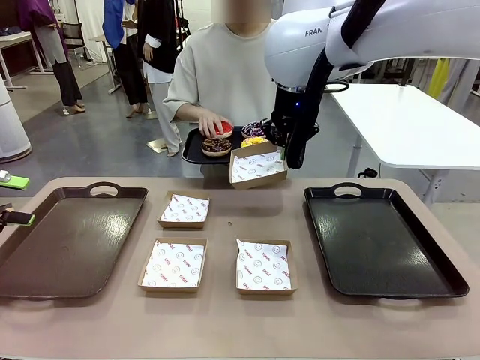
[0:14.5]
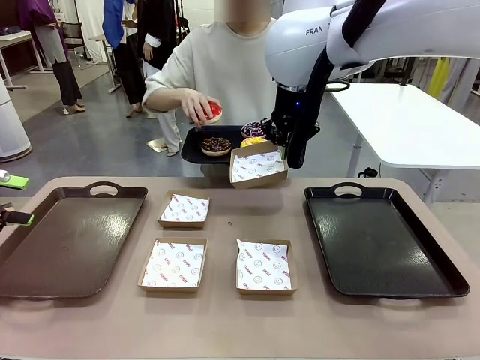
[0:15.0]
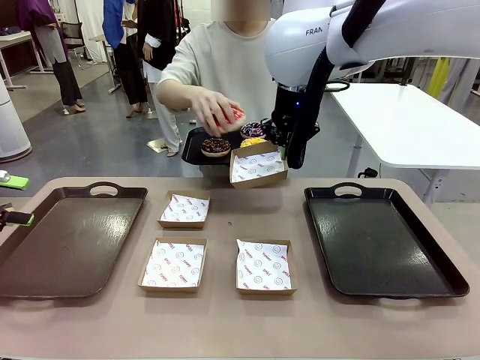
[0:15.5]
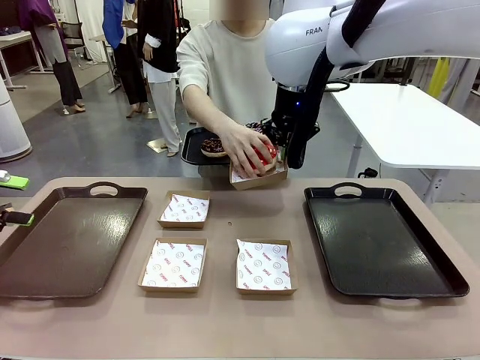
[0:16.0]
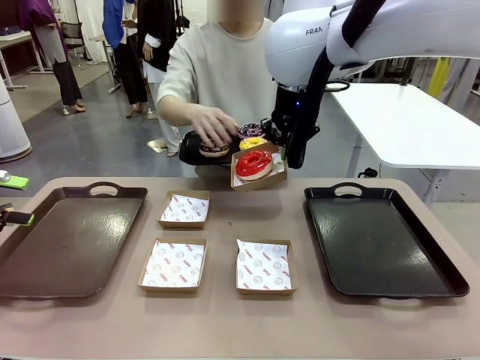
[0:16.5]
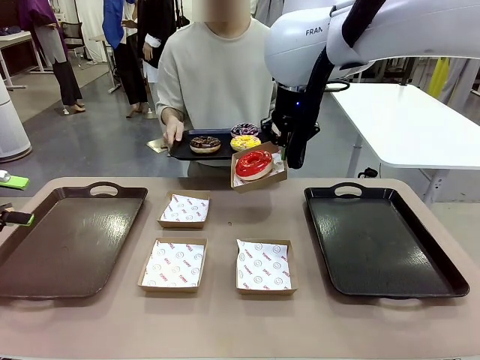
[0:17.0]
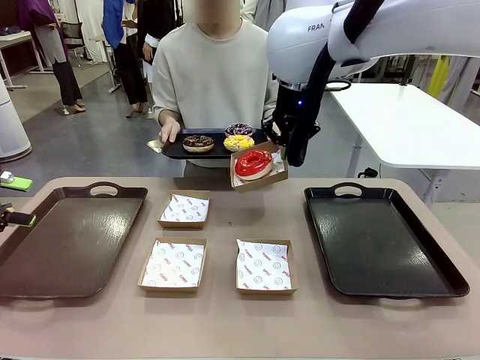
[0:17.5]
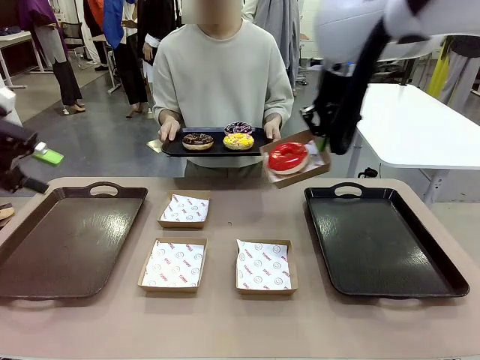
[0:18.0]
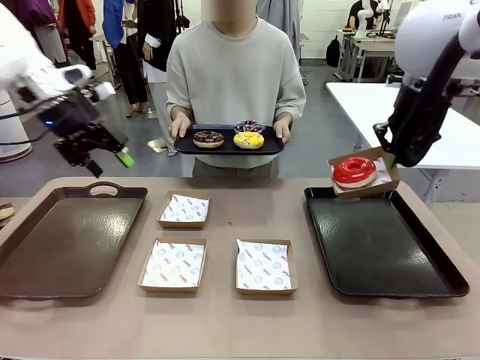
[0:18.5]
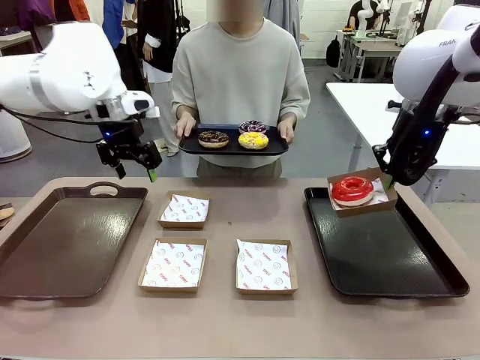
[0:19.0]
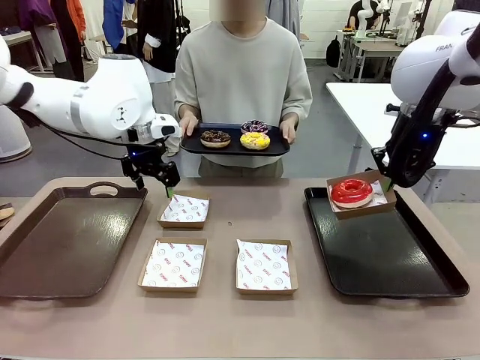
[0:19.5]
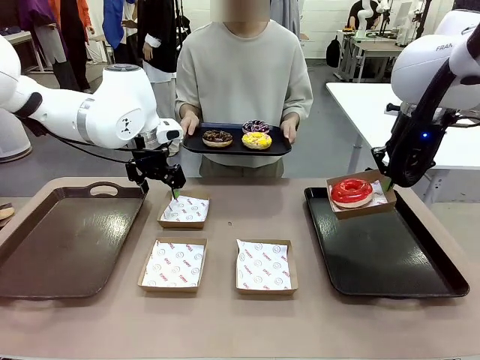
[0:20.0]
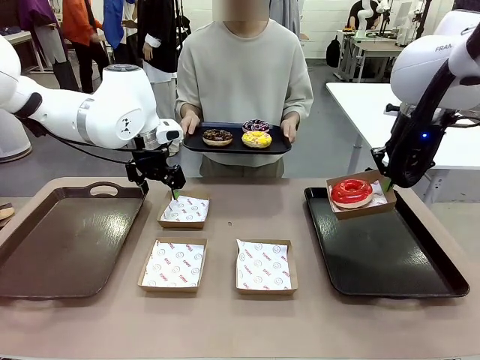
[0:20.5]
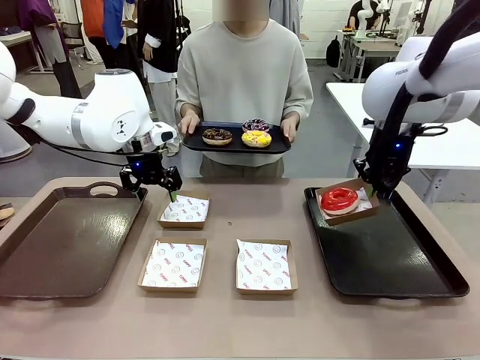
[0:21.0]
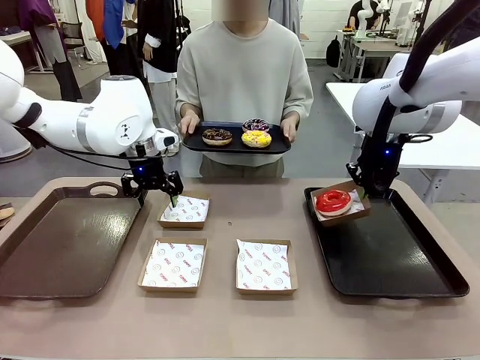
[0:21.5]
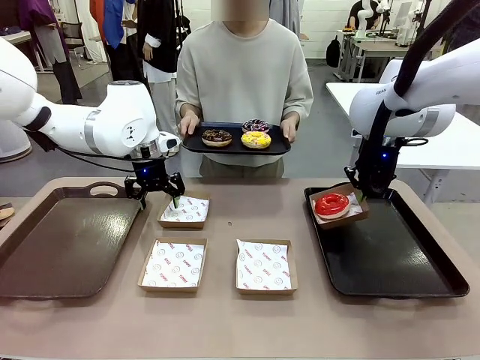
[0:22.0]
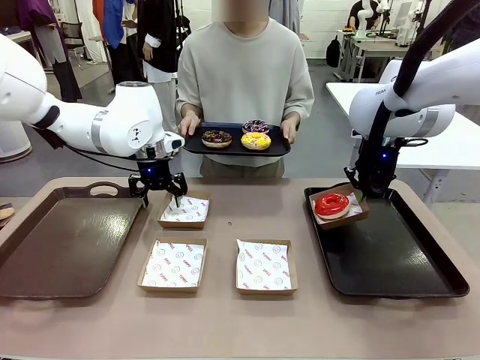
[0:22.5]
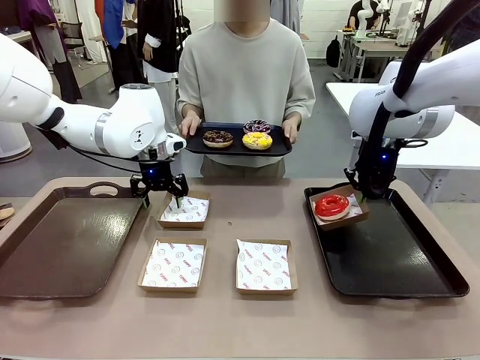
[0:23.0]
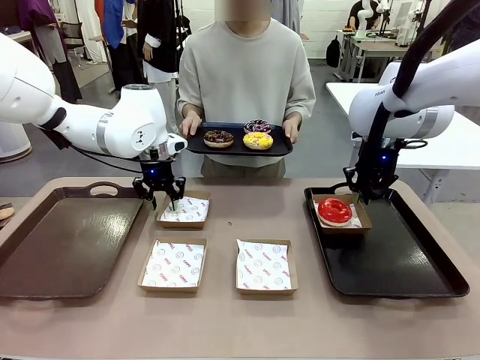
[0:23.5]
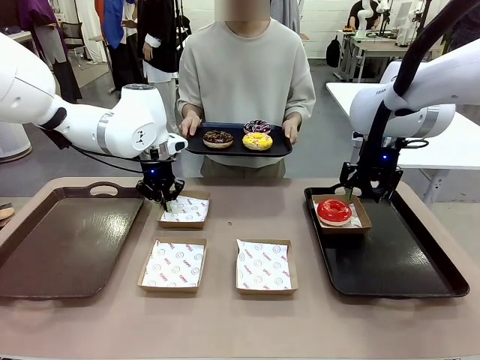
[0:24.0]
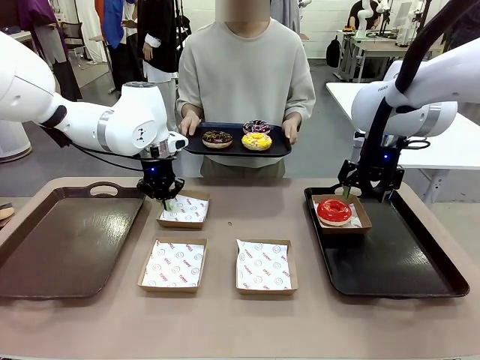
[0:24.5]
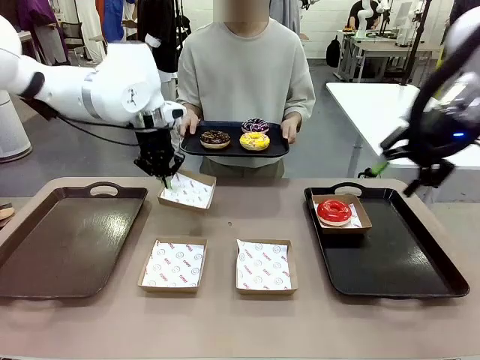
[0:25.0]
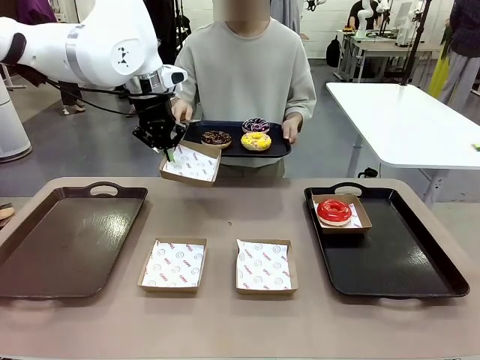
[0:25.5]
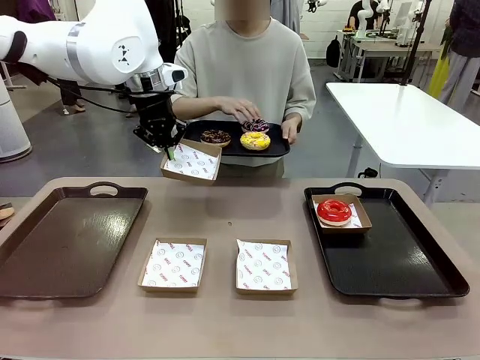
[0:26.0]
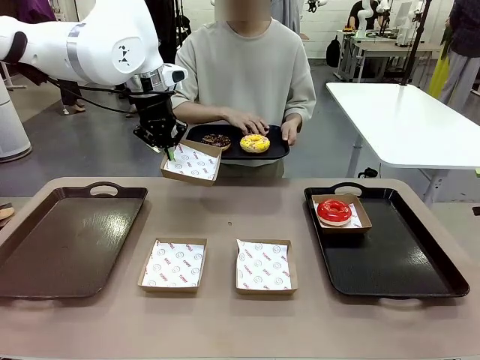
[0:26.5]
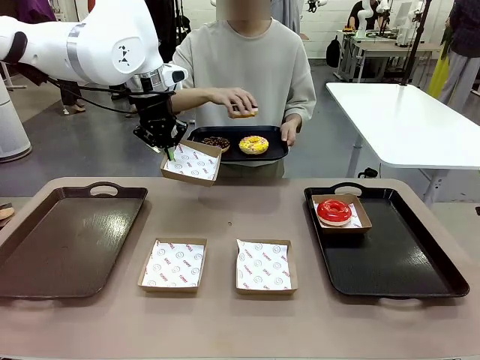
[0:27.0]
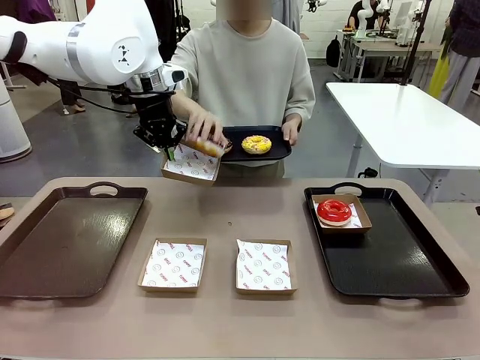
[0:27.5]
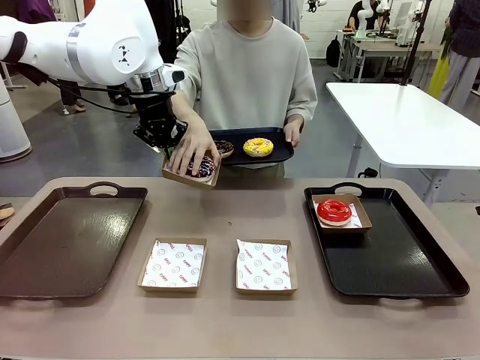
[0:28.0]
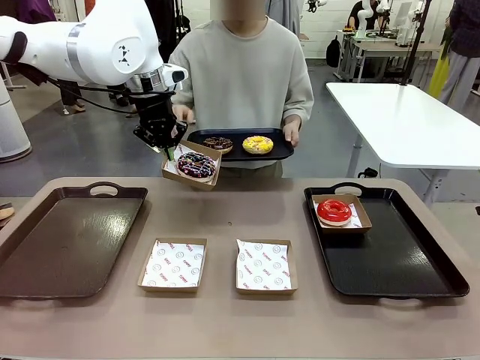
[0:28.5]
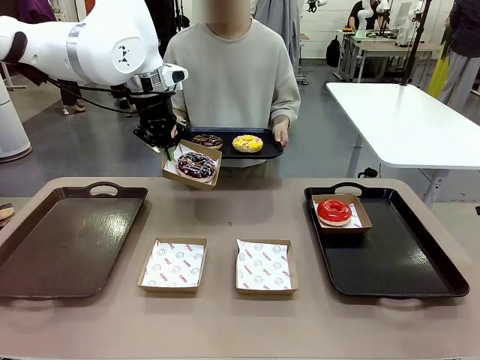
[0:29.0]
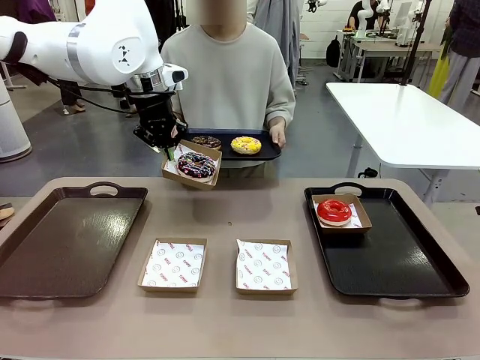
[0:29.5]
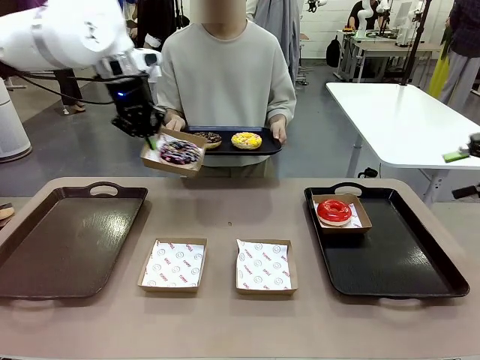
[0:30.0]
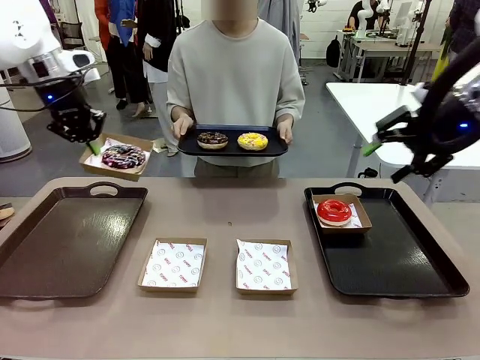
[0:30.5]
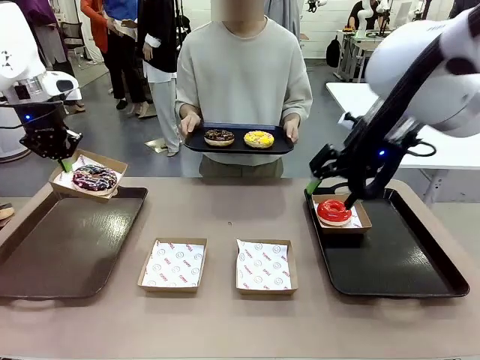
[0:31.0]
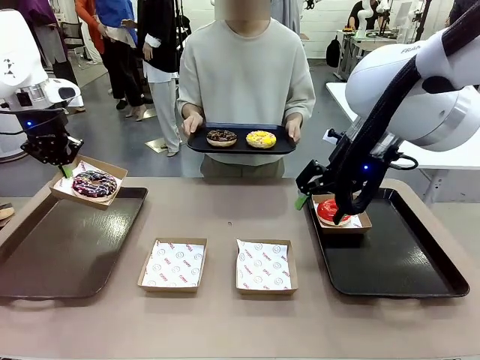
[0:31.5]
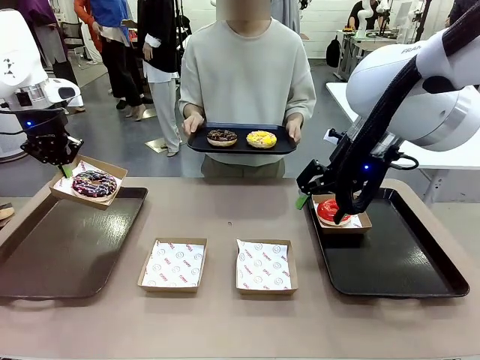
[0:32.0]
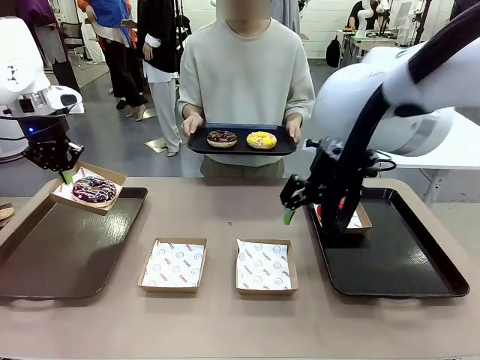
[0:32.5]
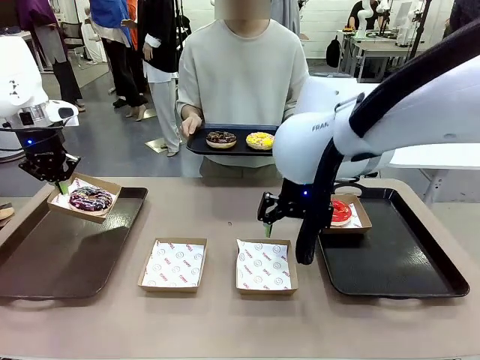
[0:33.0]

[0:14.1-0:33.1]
Task: Individually package the donuts and arrange them on the tray.
Robot: Place the picked Paper togo box on the Handle tray while simultaneously picking up another Paper togo box from the table with the other hand.
